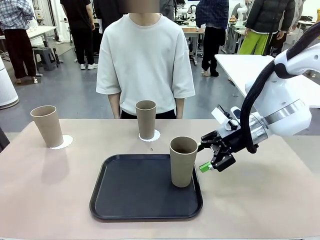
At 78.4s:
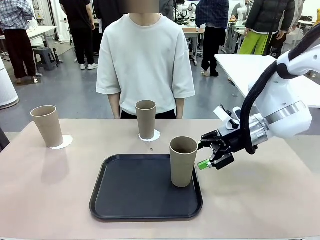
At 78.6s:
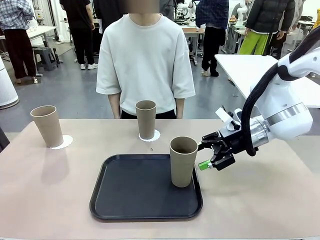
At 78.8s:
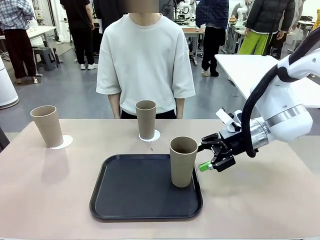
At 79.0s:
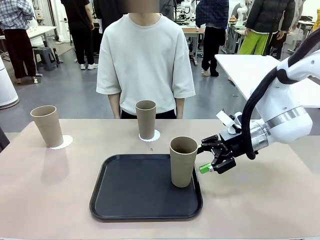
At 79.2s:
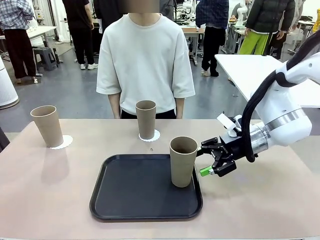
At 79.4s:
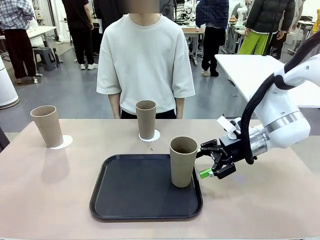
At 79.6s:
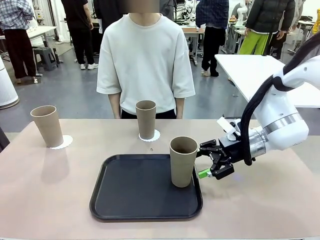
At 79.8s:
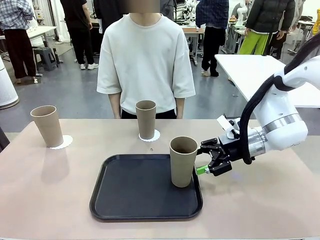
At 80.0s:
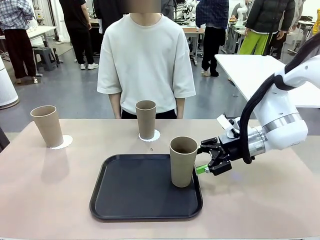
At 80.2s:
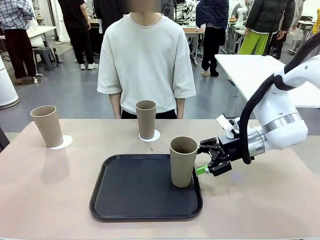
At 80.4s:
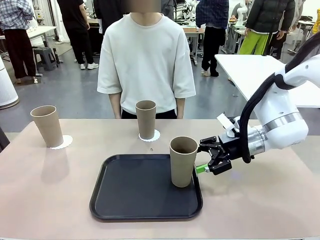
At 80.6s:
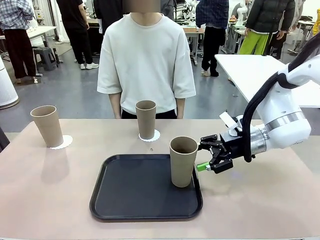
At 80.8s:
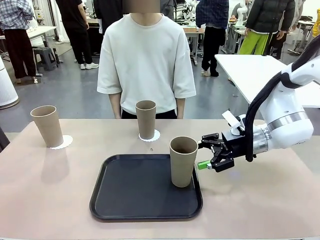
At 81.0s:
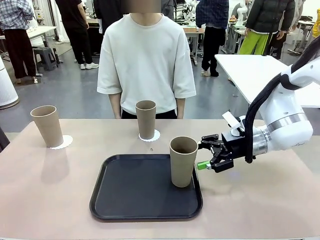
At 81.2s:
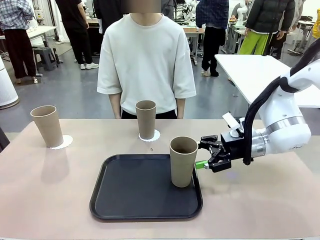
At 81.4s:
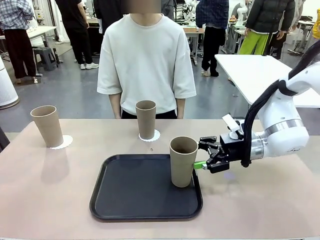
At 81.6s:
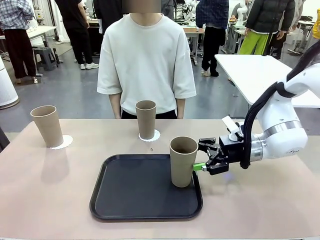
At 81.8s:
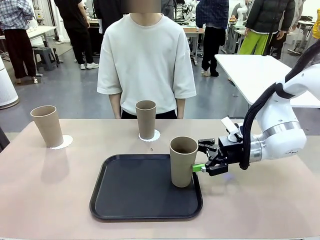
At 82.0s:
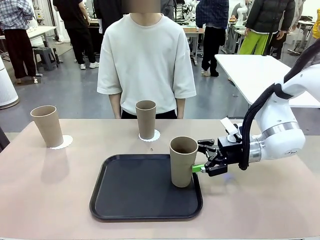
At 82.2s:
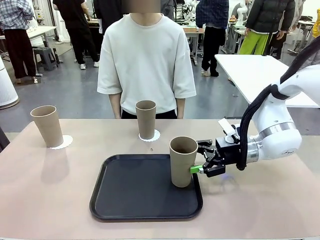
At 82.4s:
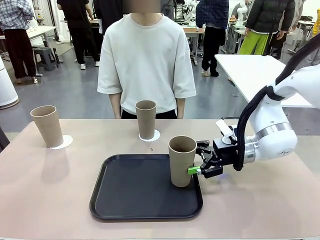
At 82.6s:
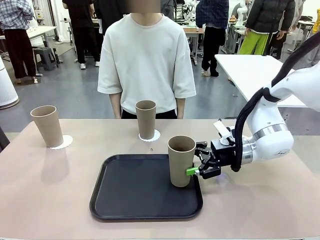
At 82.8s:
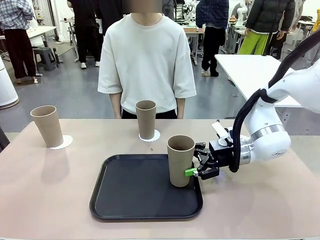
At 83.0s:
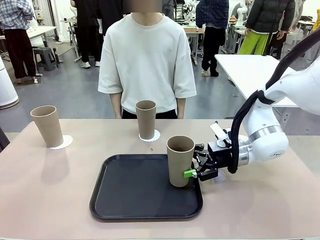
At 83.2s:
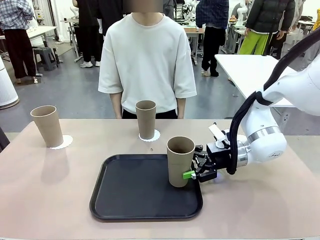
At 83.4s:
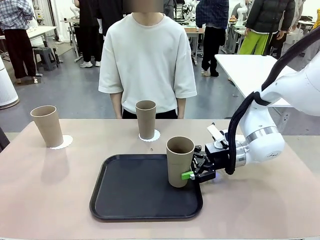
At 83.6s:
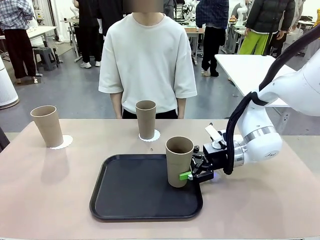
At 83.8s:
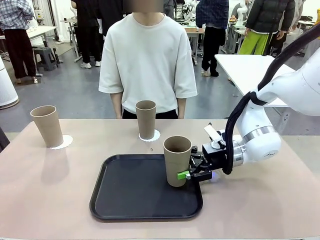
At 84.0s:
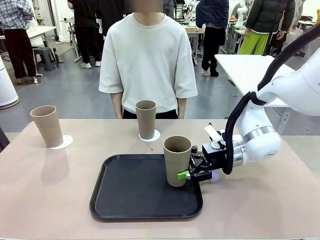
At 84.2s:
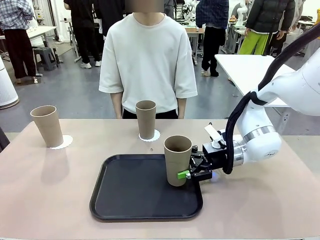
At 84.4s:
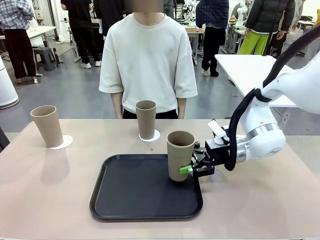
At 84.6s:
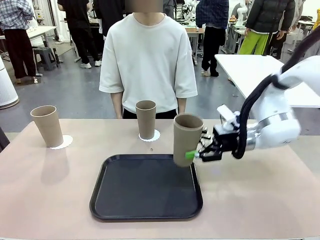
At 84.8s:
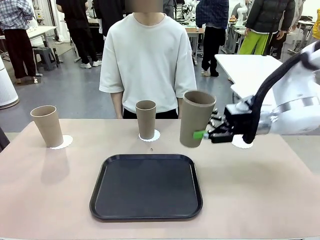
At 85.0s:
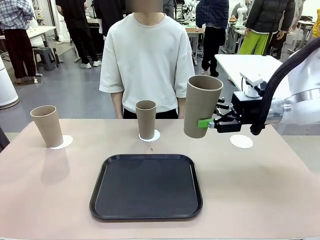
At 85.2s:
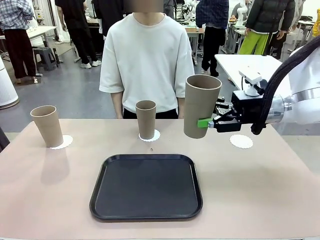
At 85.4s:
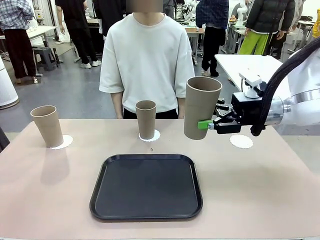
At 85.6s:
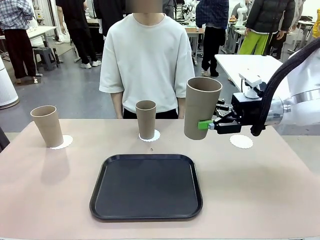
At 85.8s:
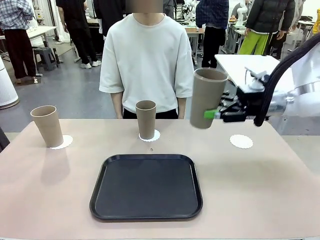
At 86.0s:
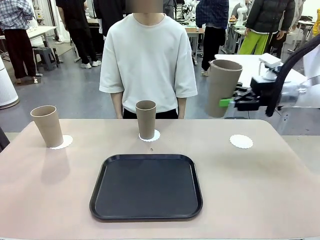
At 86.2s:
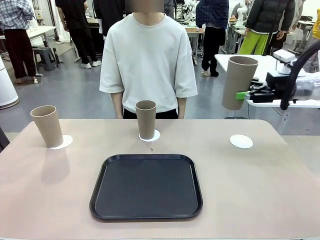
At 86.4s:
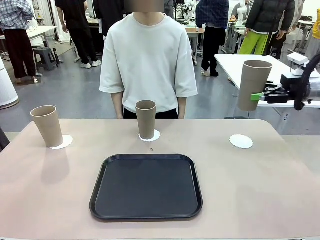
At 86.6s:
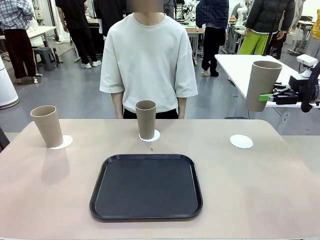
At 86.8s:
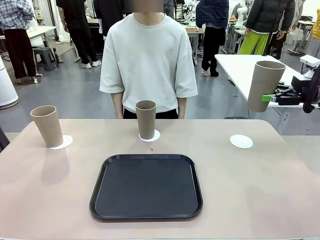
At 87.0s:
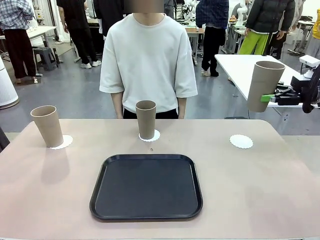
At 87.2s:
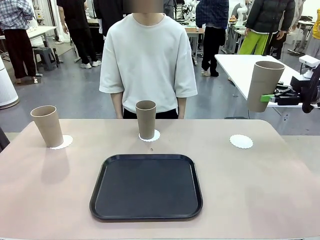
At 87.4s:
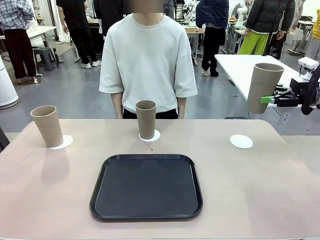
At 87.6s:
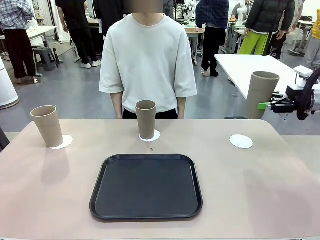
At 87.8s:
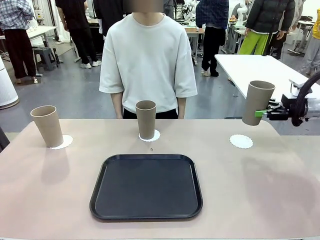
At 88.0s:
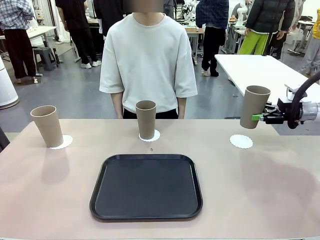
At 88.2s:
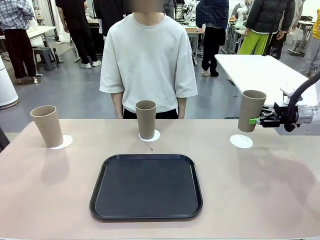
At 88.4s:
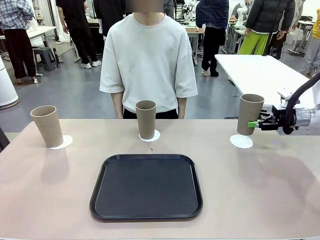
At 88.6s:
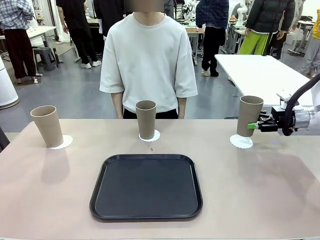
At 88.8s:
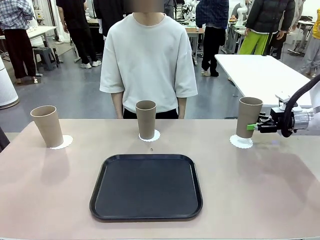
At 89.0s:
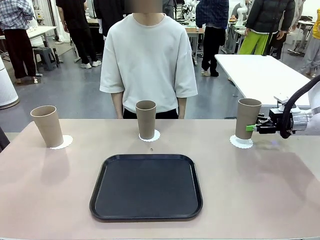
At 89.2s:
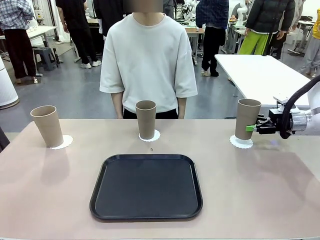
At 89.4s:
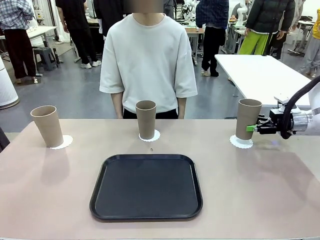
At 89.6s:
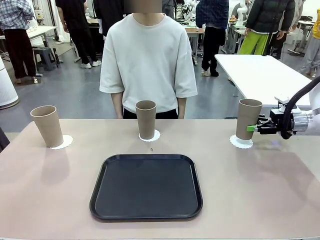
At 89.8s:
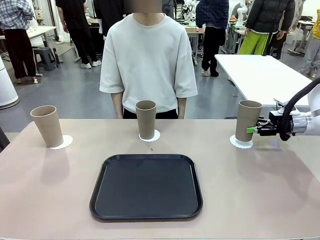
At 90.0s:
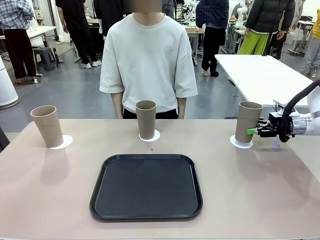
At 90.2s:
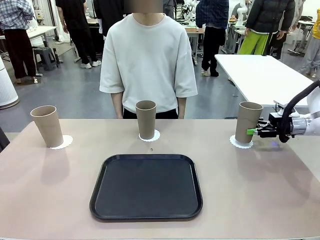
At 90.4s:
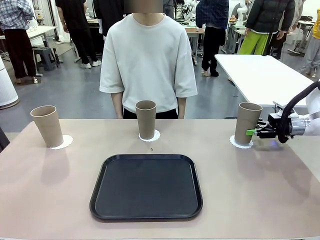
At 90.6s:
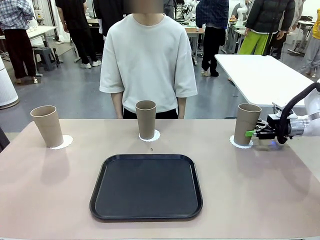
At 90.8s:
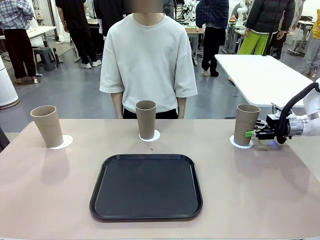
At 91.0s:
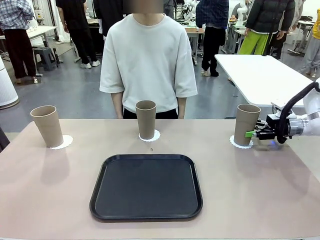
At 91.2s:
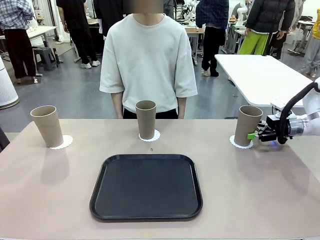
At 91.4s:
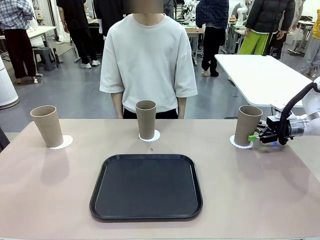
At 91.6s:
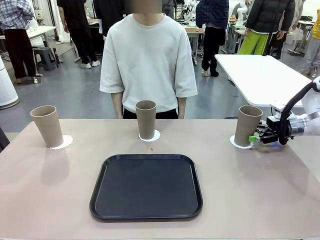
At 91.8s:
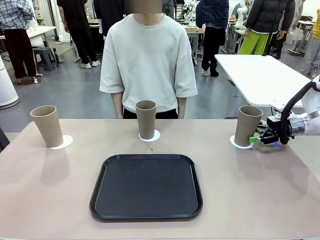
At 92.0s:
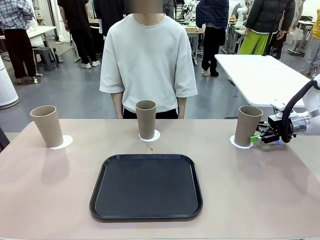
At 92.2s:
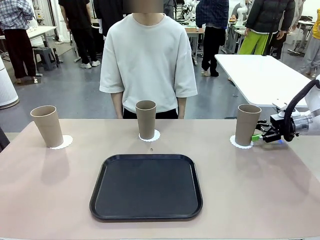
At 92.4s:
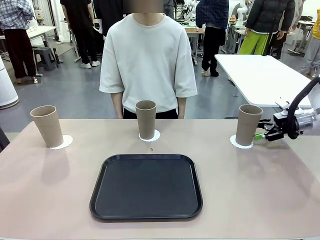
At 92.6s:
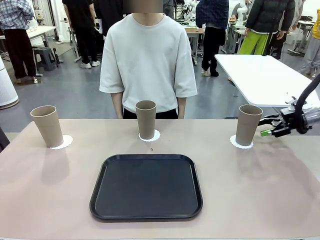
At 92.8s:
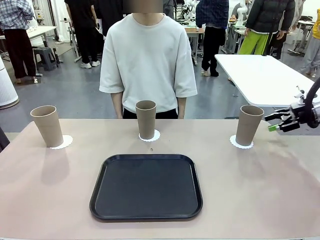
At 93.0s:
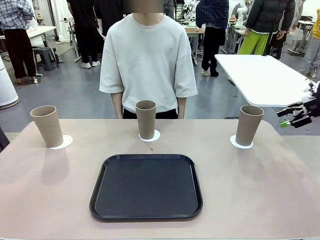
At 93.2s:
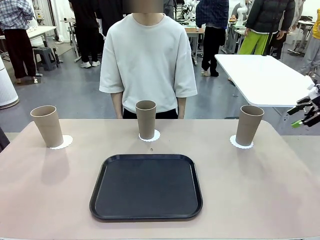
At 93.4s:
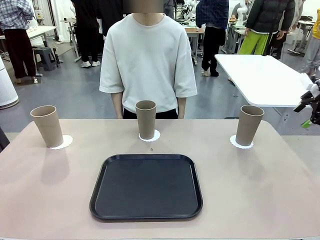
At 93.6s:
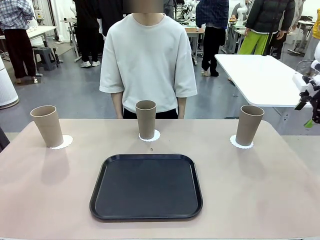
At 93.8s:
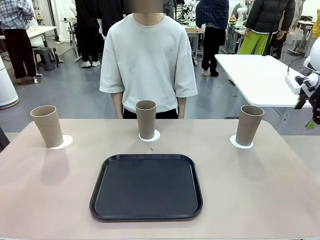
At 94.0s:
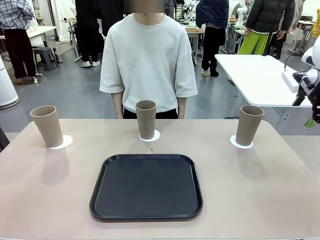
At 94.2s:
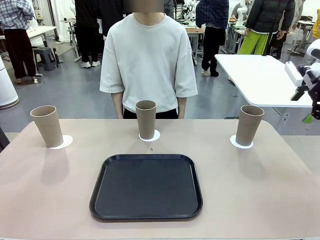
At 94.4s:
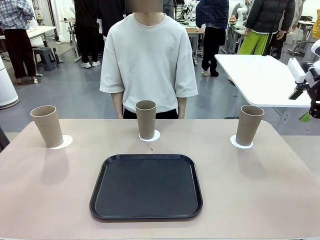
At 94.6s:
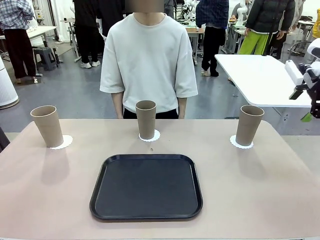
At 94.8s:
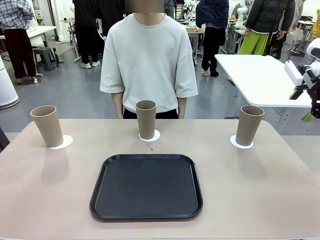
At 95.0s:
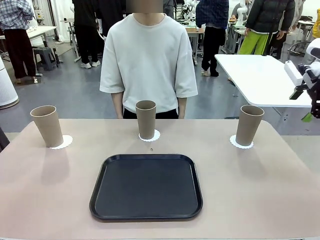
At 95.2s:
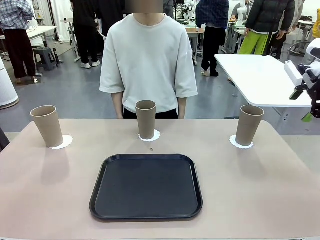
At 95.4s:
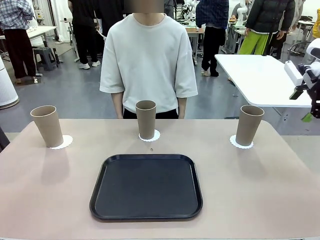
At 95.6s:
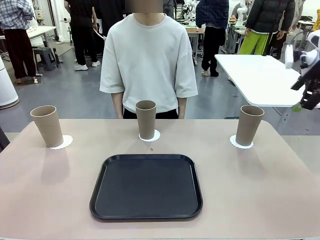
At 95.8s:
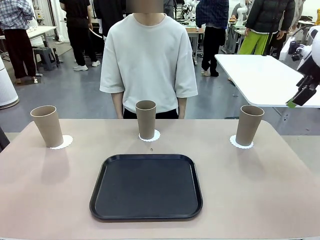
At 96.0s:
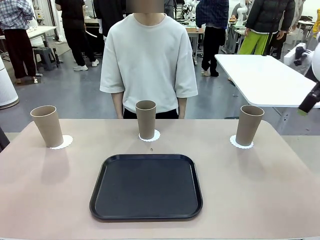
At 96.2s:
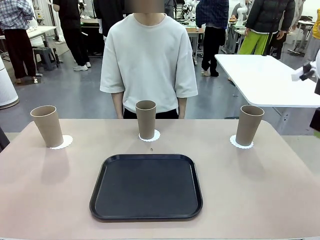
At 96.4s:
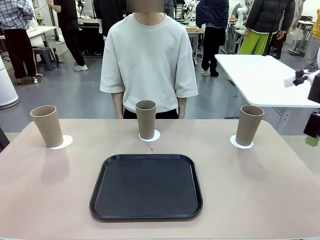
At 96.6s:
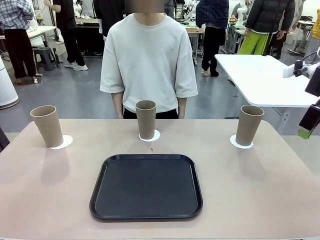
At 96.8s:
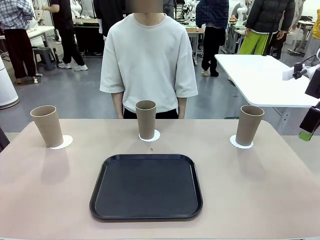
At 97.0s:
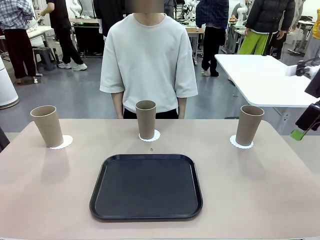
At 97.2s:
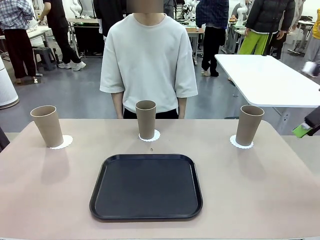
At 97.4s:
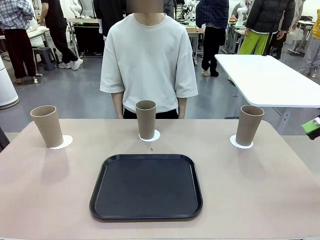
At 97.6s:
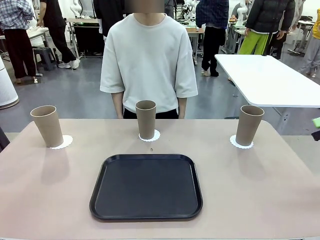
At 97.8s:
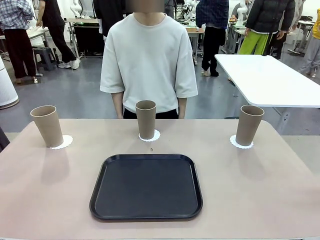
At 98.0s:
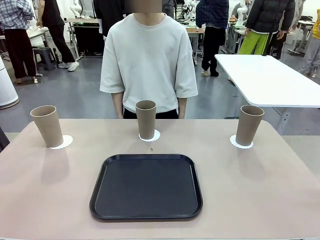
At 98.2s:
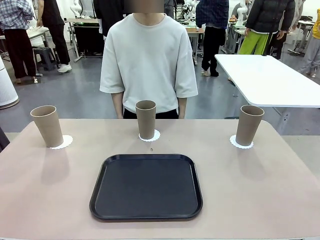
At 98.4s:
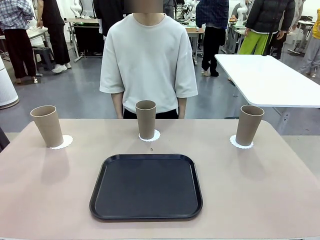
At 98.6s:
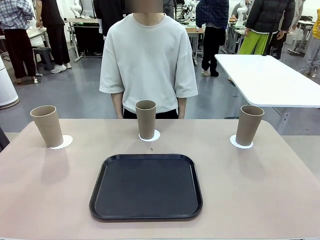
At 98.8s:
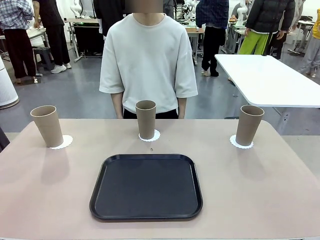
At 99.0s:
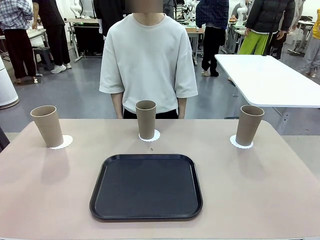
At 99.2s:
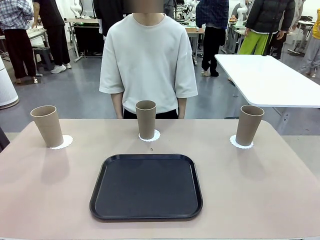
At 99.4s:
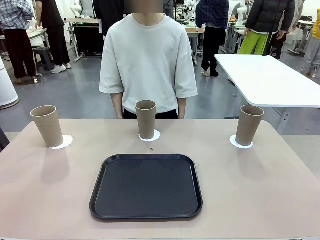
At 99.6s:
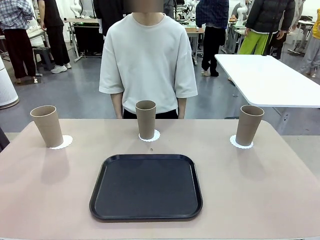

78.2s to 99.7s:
Task: Place coasters on the table and set cups on them.
Robot: Take one Reusable plastic cup from the Flat Tray and place it on a coaster set by the human.
